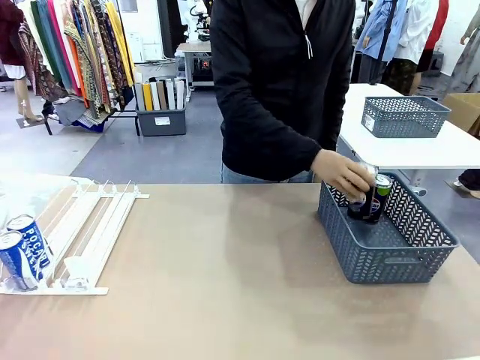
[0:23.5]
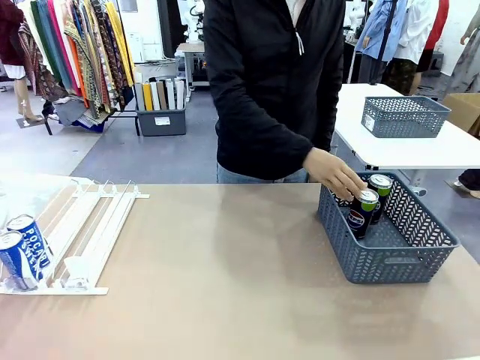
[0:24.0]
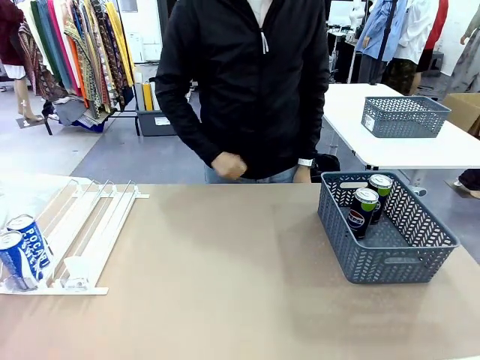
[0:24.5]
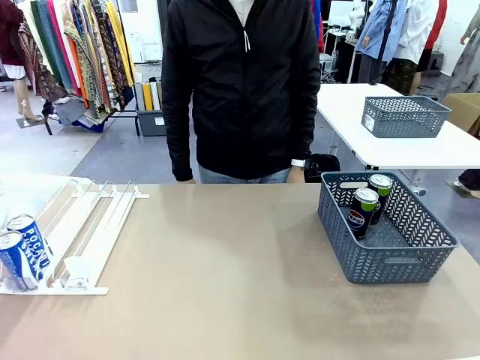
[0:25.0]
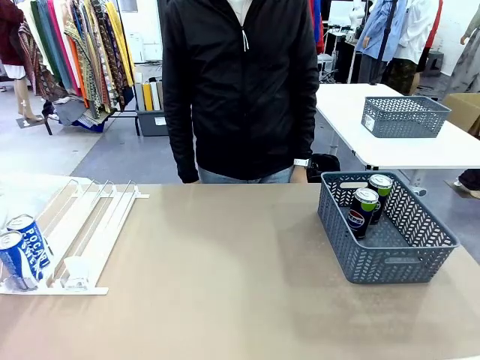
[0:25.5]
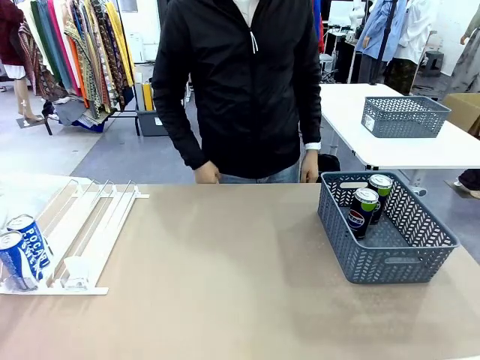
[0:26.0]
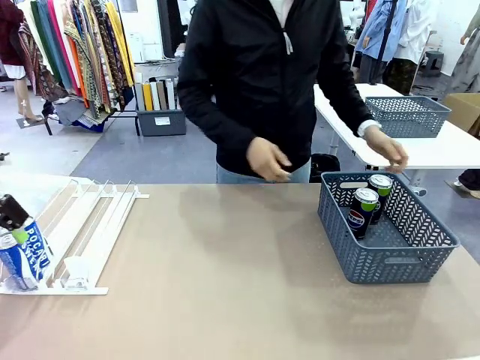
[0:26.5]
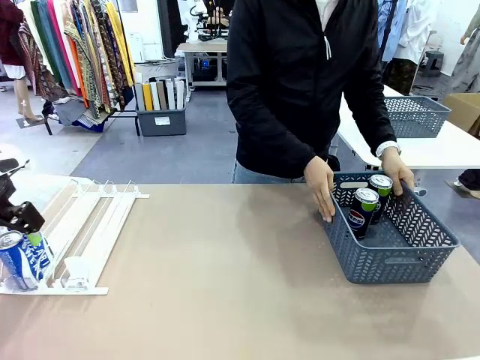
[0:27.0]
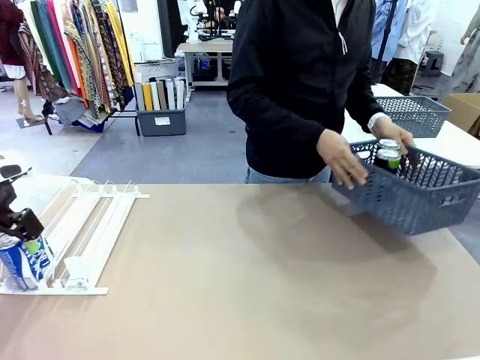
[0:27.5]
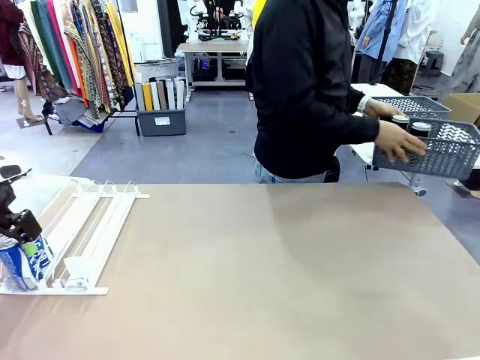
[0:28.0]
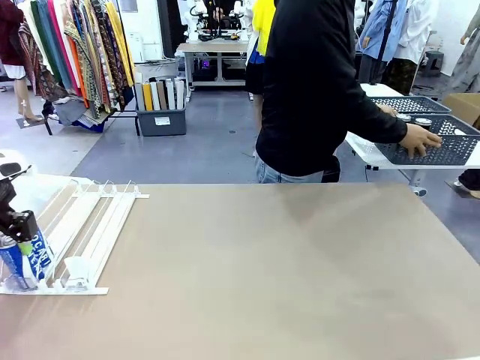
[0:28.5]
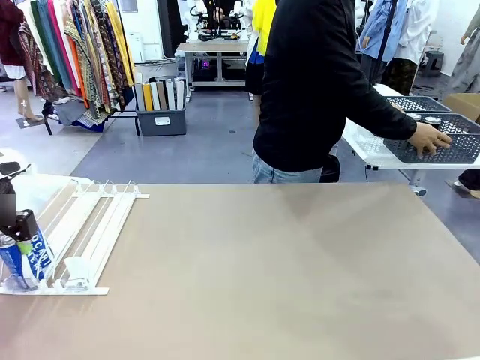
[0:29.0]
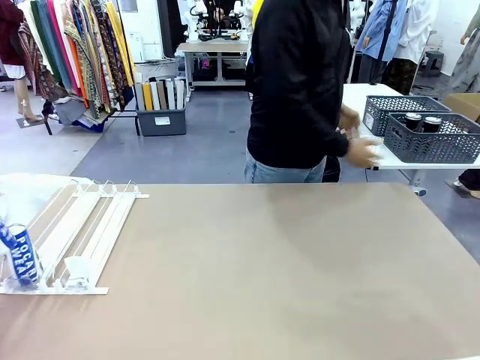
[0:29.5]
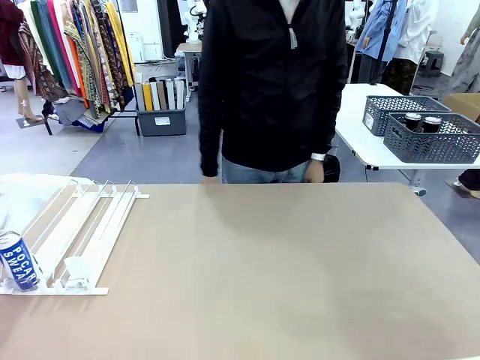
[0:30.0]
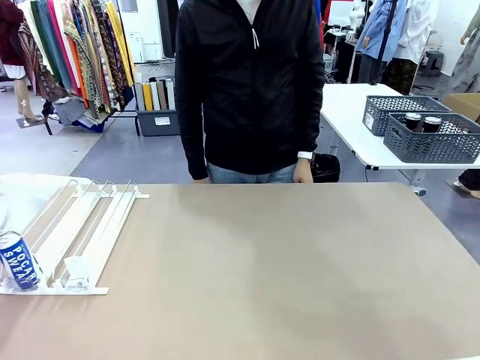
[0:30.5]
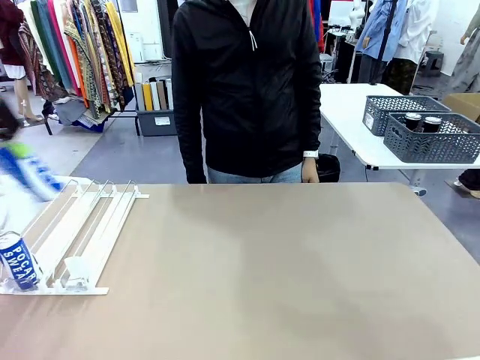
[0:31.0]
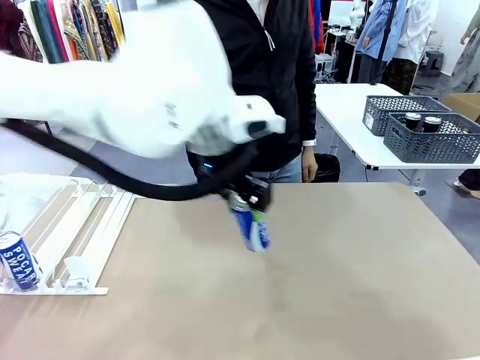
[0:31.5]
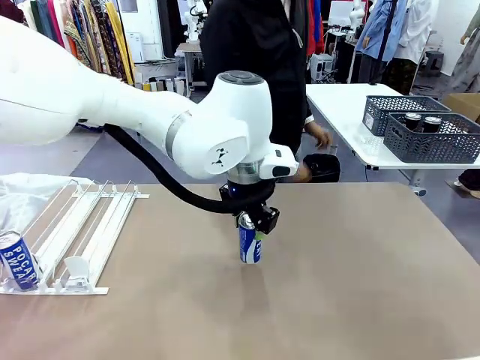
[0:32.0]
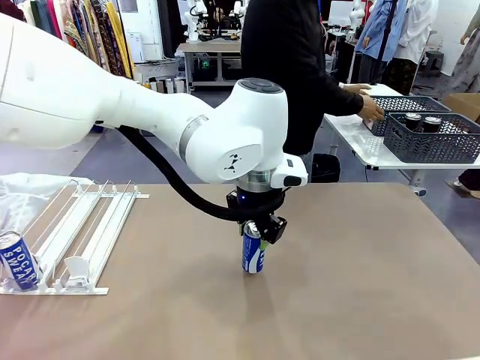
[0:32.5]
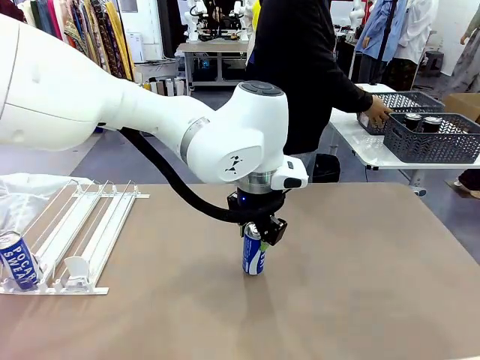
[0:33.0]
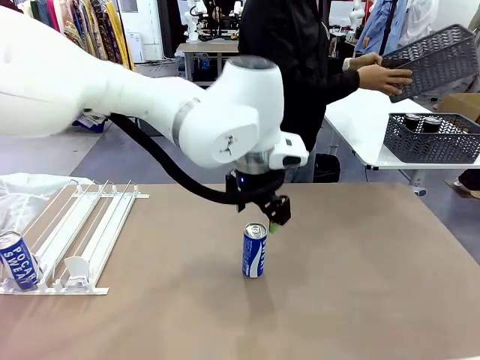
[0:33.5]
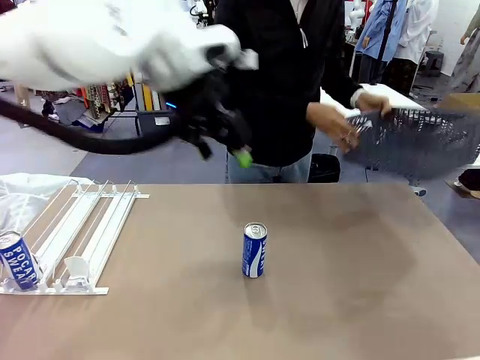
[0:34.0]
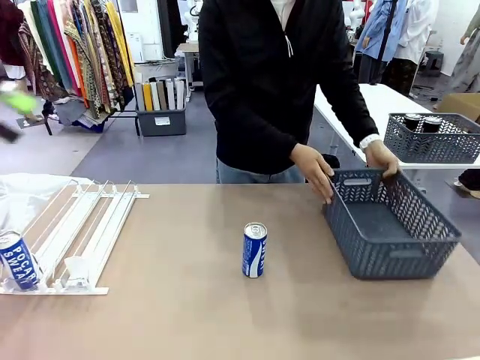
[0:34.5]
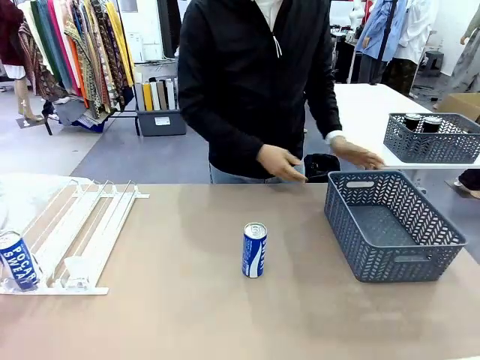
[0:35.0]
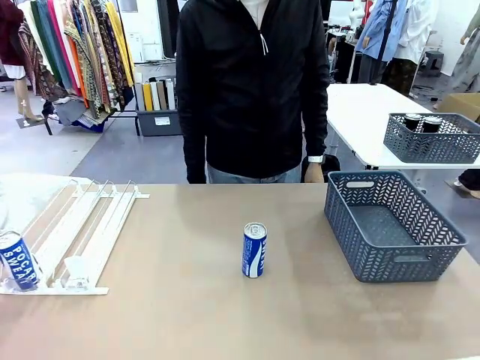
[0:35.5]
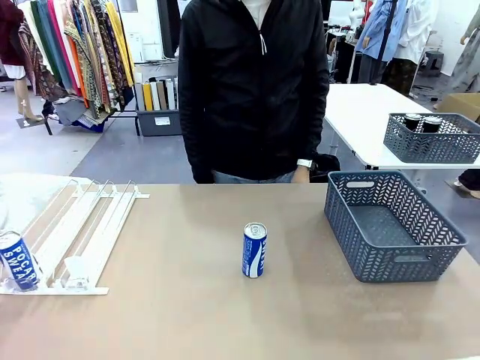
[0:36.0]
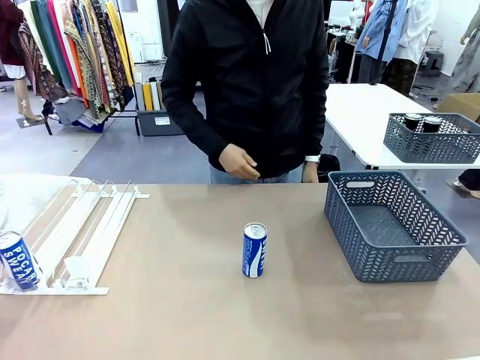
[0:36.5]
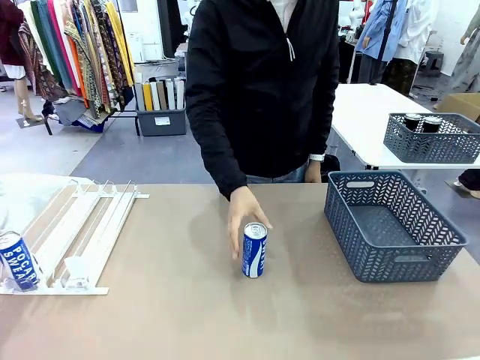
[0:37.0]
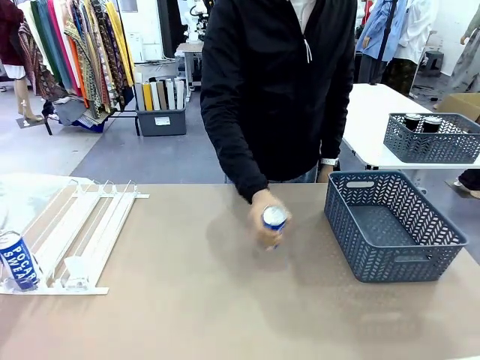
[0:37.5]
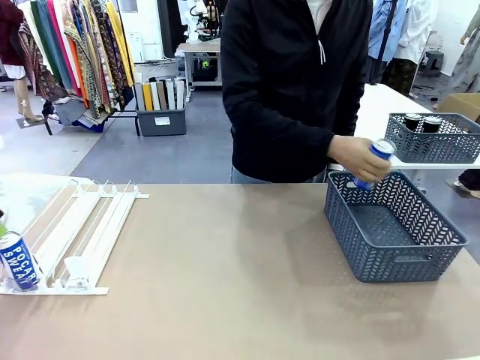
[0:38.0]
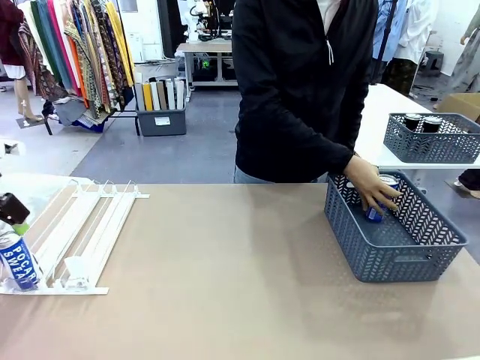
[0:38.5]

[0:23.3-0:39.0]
Task: Retrieve and store the cans from the dispenser.
Robot: Pick up one can from the Automatic Can Dispenser and place it in the middle of the table.
Person: Pick up the basket and place it in the middle of the human table. Pick up the empty basket and place it on the left side of the robot table.
